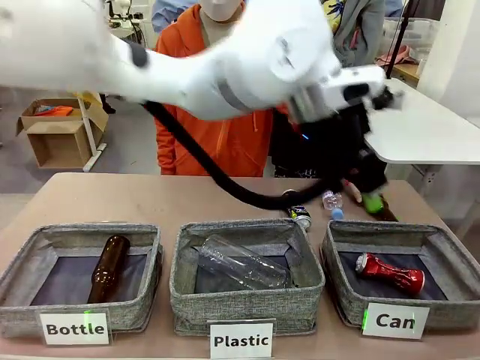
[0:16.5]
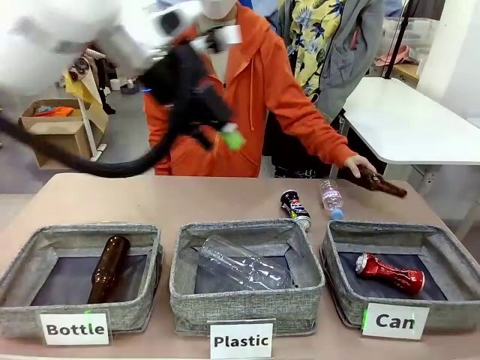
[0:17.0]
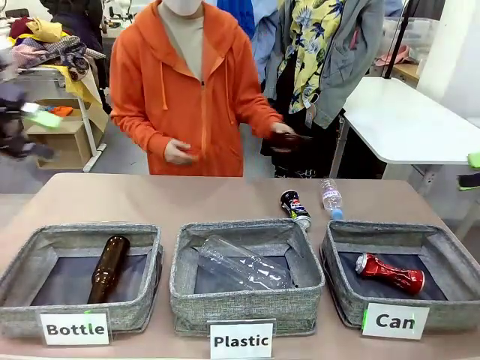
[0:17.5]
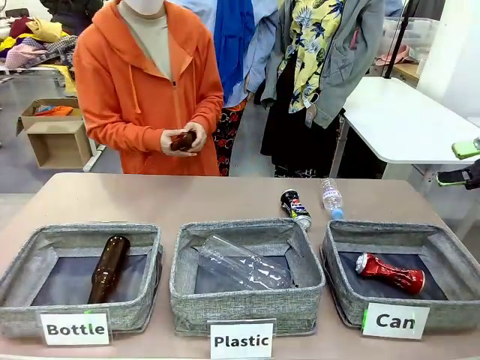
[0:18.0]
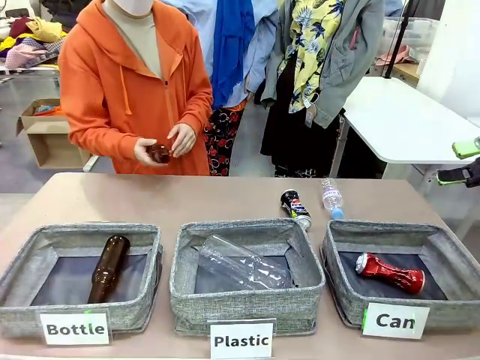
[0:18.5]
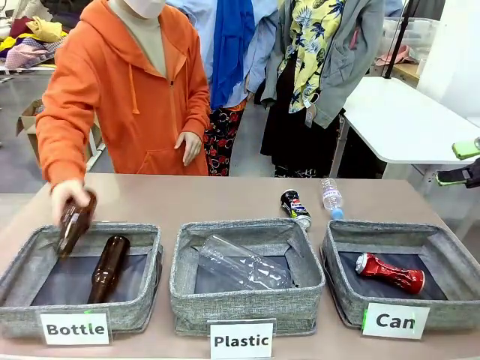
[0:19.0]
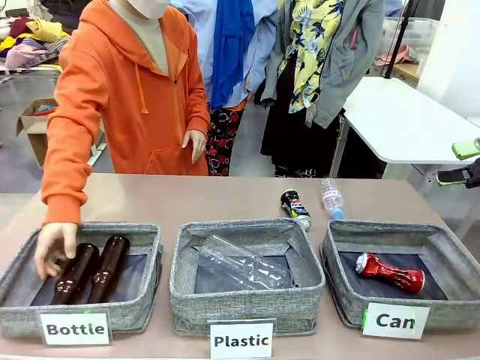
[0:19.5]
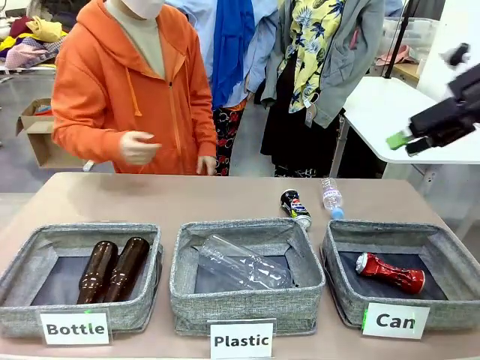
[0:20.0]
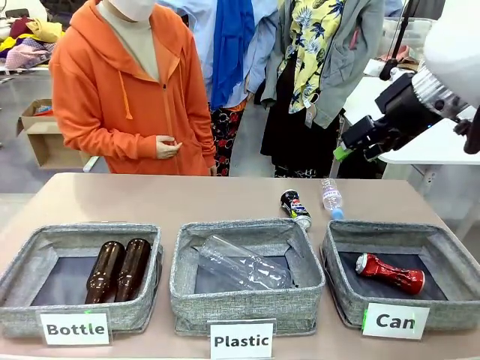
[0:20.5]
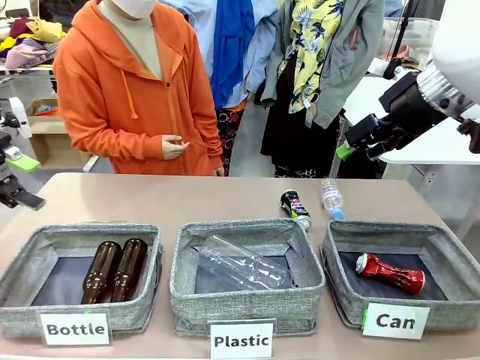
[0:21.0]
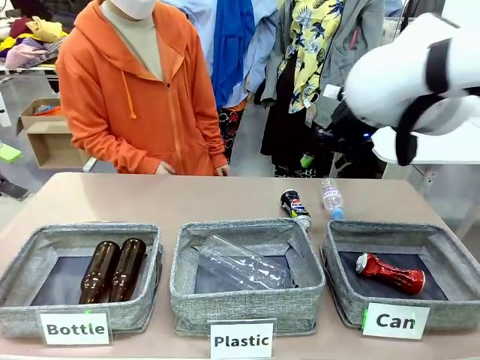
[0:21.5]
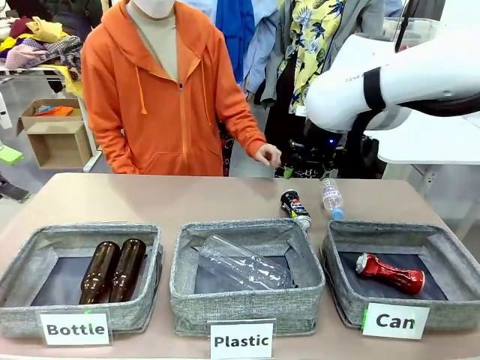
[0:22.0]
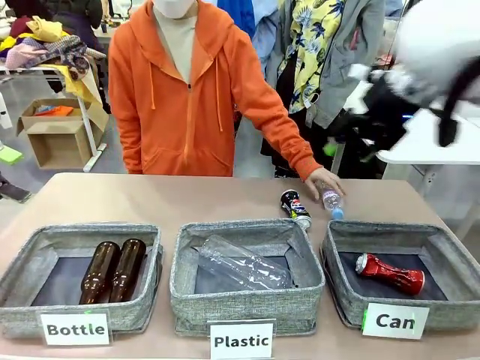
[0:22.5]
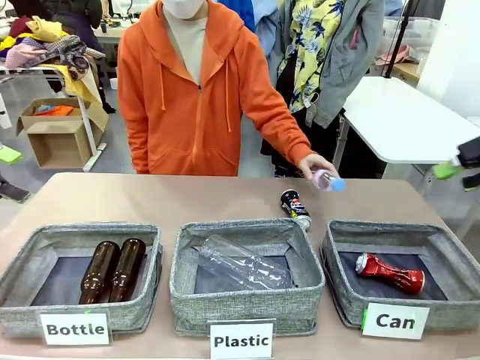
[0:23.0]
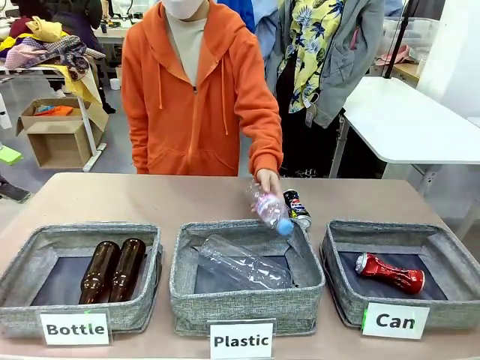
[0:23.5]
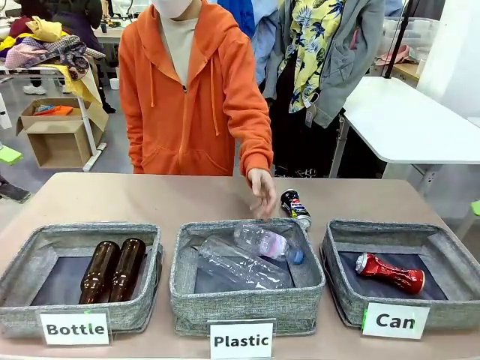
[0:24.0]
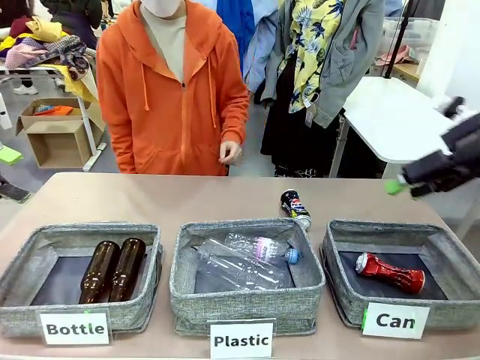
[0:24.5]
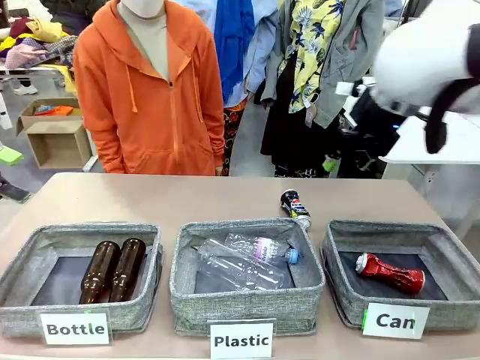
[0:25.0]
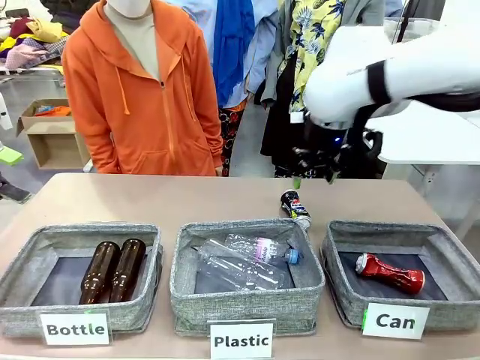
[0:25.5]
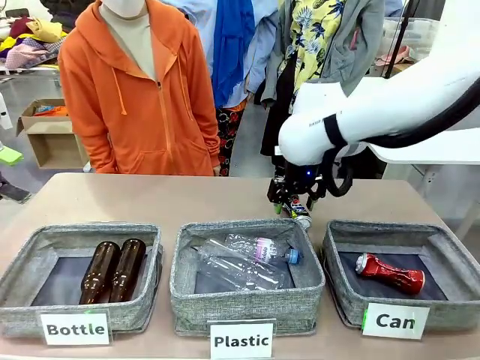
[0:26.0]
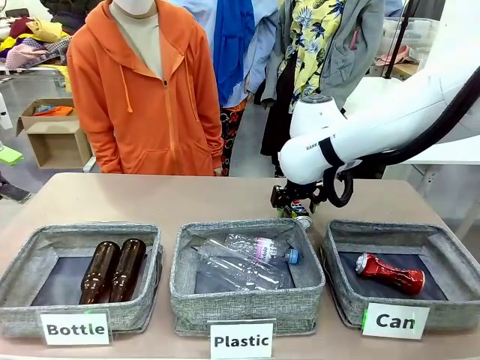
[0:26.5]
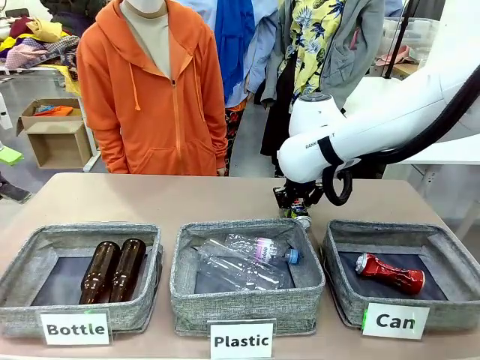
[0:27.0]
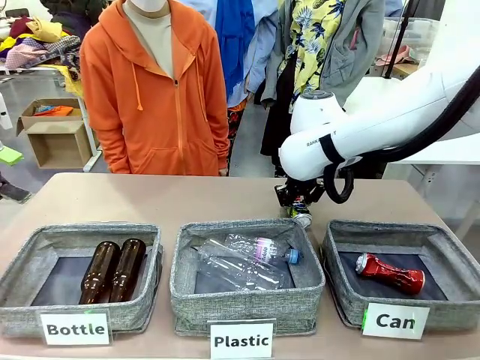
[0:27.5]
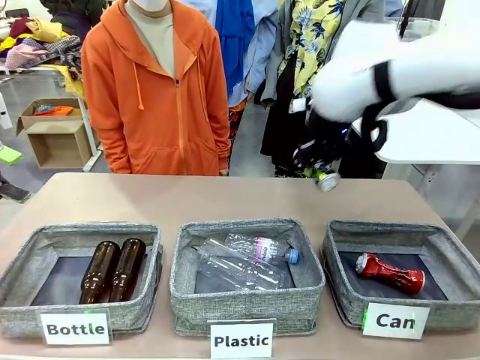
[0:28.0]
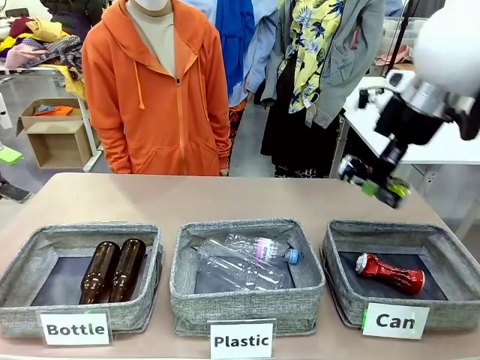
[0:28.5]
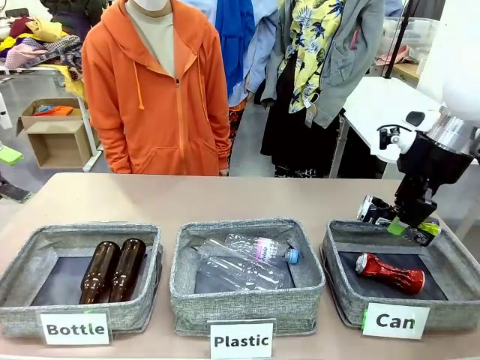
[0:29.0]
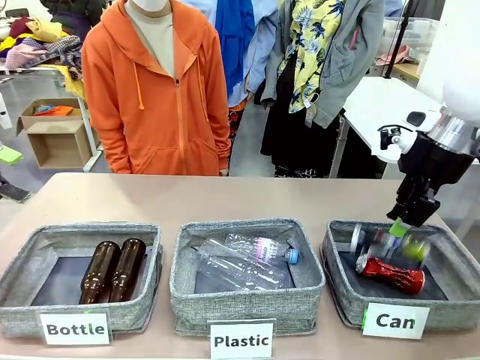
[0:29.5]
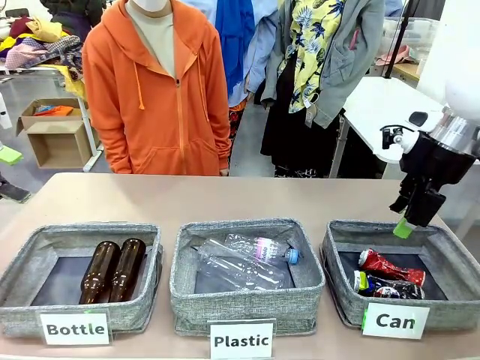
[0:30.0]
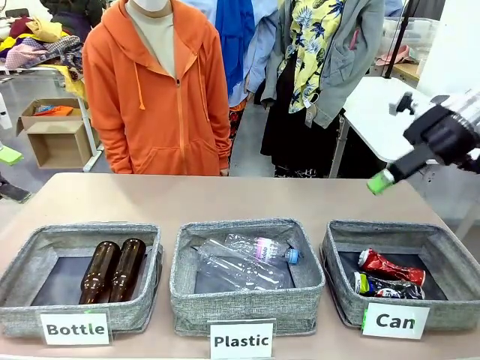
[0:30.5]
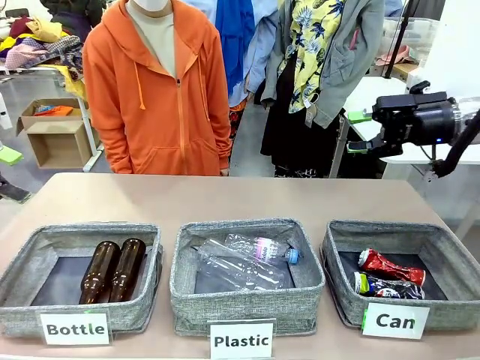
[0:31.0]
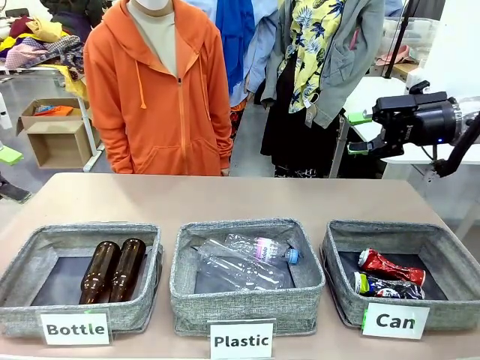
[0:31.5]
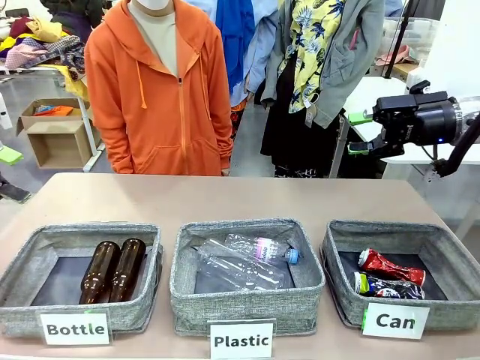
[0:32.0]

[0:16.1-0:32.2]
Task: Sort the can waste into the basket.
Robot: Pick up the can waste from the table and place it in the right Fabric basket.

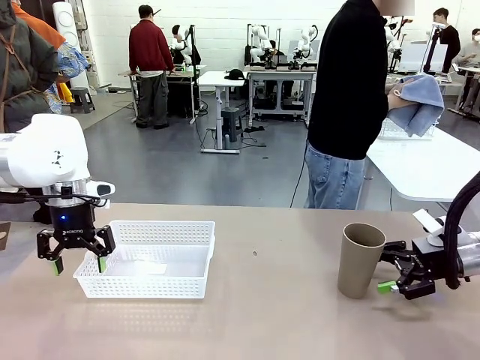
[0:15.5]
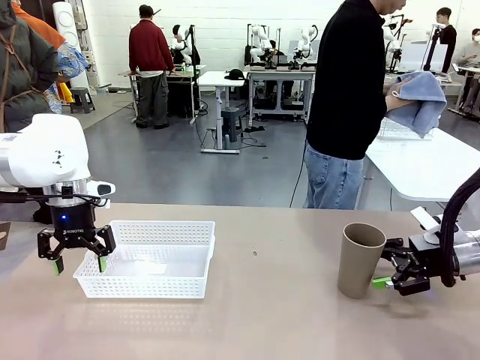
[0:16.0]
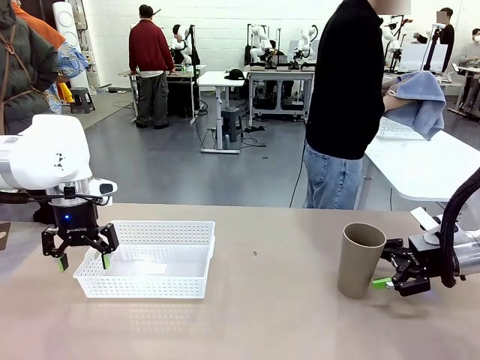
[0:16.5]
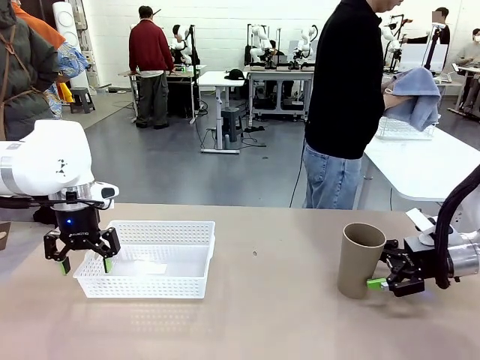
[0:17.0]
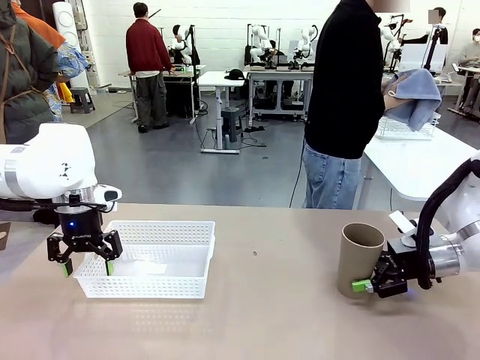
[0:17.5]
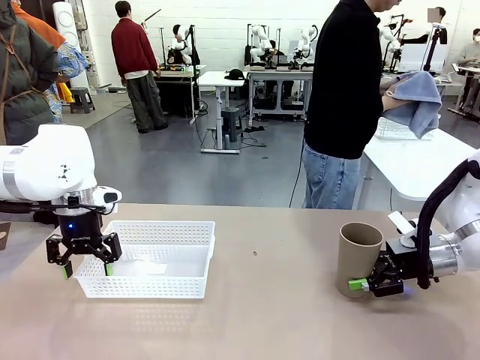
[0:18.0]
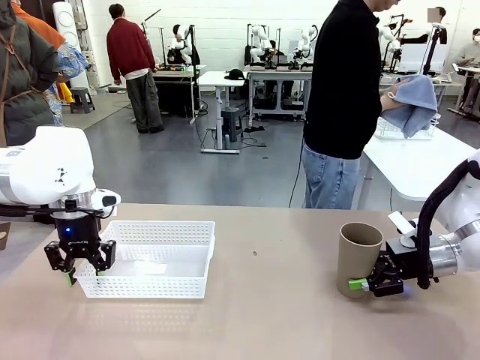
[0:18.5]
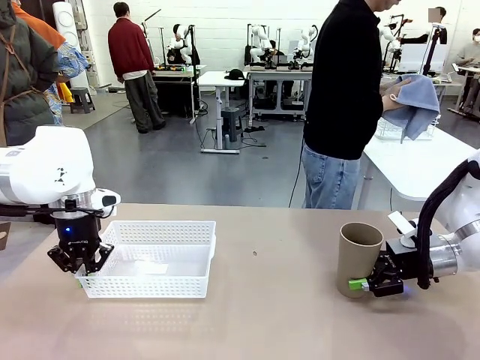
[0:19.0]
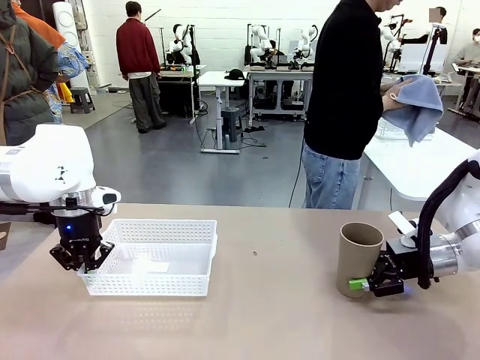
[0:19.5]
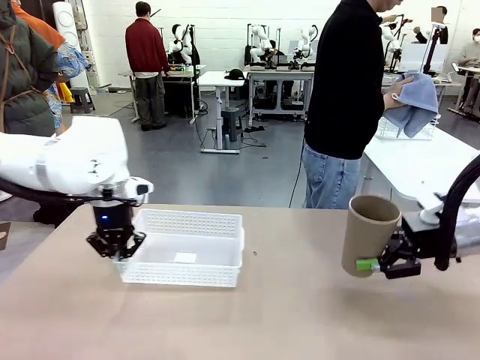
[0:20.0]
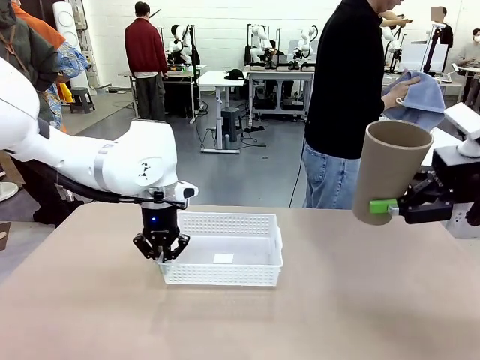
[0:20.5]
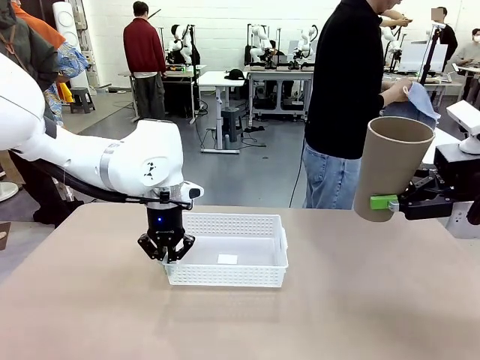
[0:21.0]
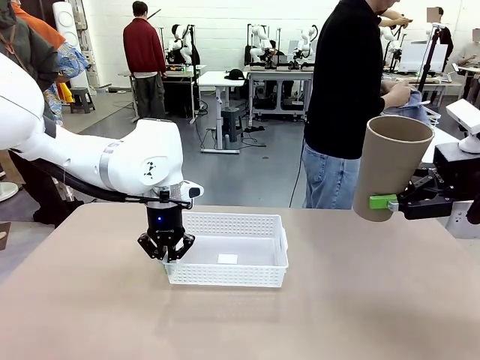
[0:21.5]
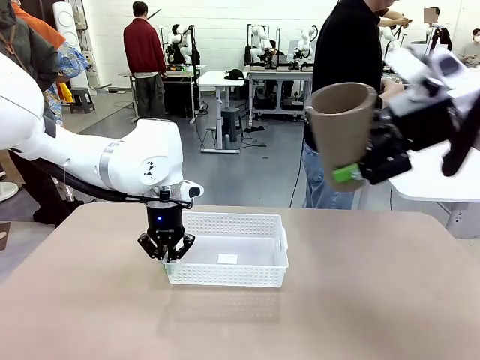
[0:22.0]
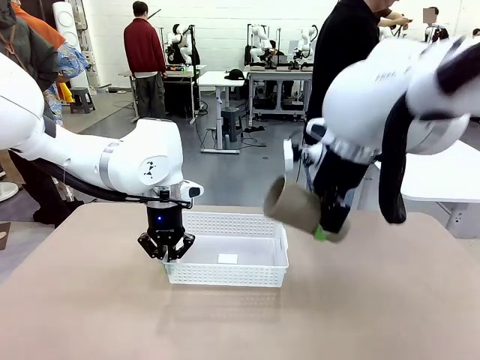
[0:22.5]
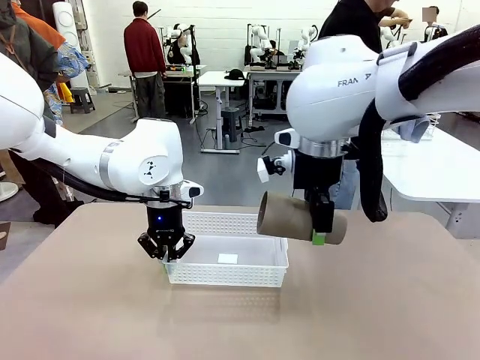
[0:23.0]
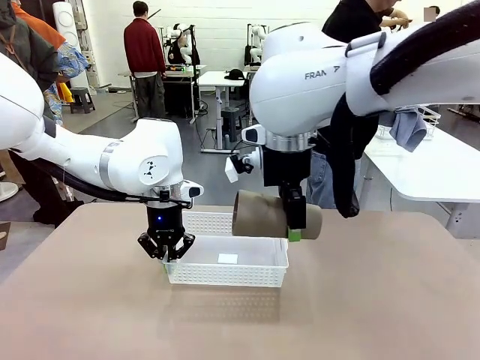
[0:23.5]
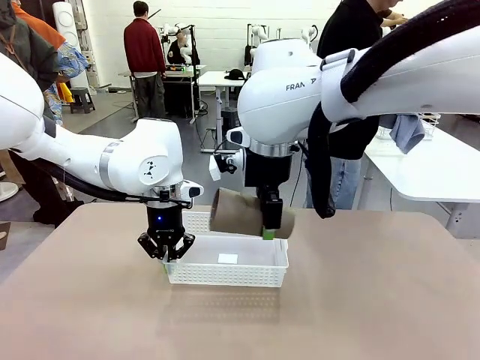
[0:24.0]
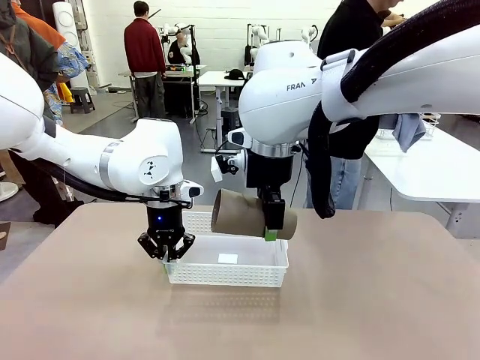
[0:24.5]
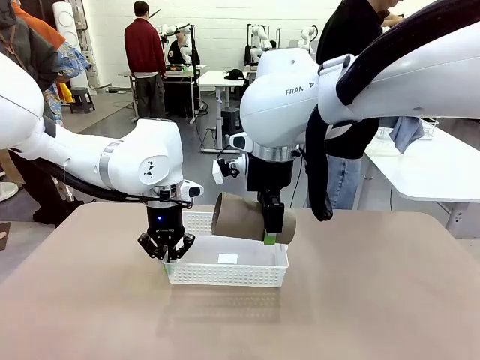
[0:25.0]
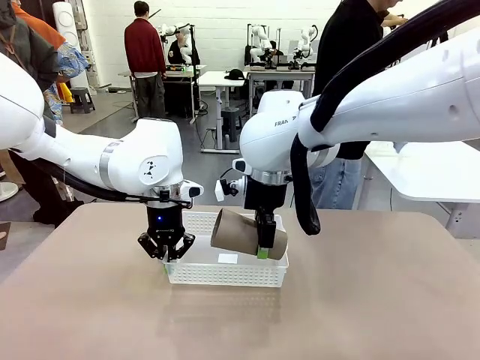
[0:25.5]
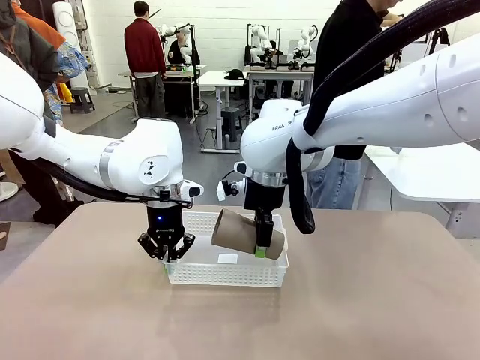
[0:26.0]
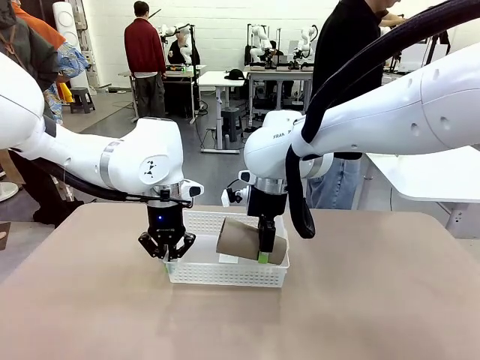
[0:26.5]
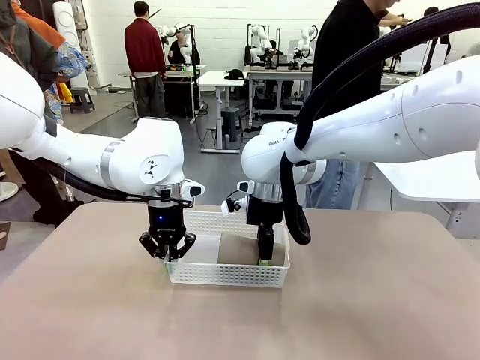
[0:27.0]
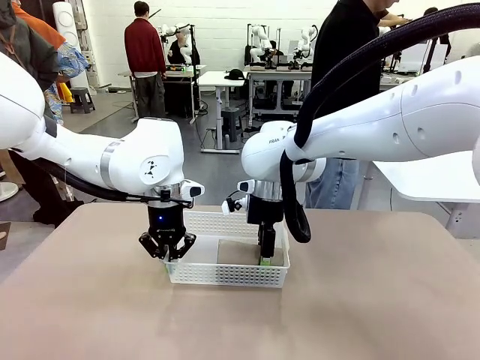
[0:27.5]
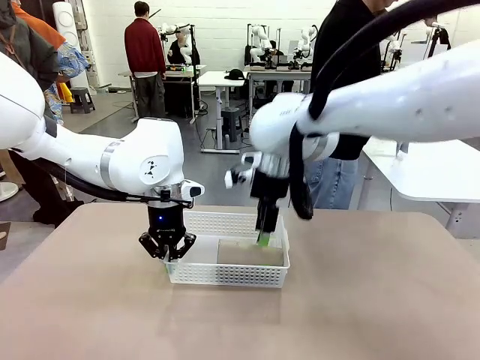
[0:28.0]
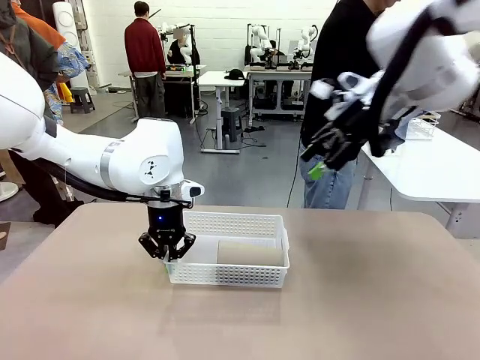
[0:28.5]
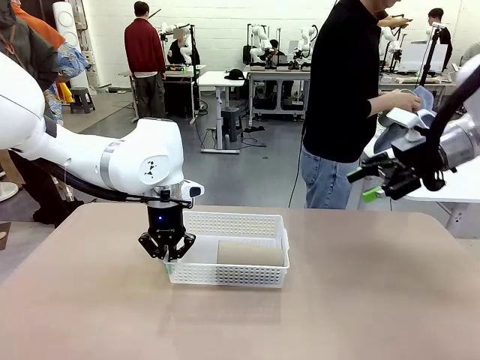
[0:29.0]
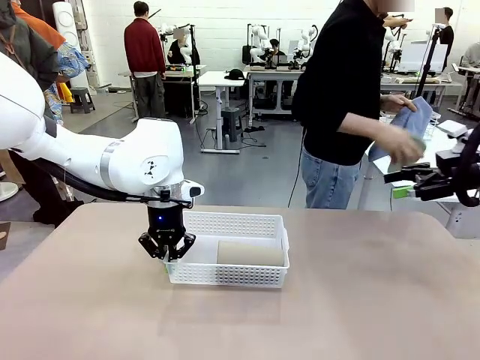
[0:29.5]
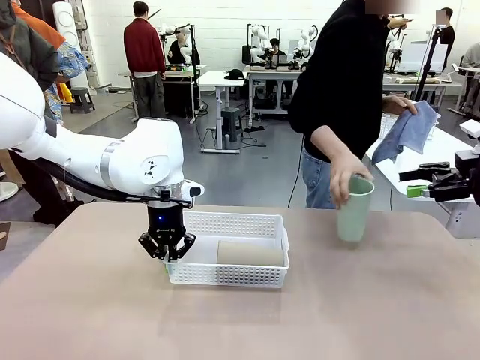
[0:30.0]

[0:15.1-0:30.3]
Task: Clean and organize the cups into the basket.
Robot: Pick up the Organizing basket and move it to the center of the table, then pick up the Reusable plastic cup from the right side of the table and place it inside the Organizing basket.
